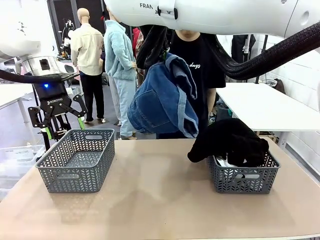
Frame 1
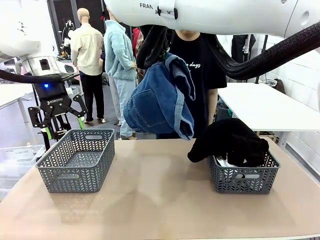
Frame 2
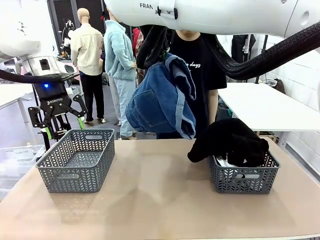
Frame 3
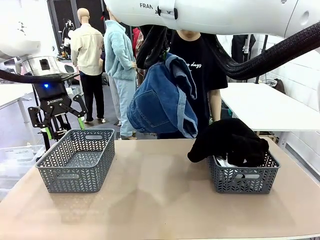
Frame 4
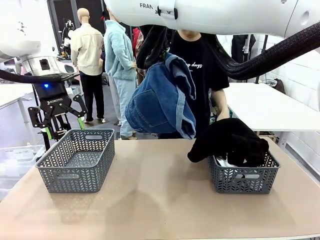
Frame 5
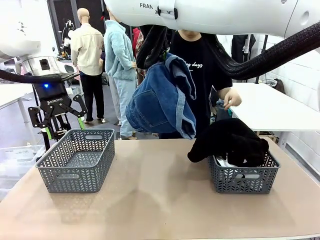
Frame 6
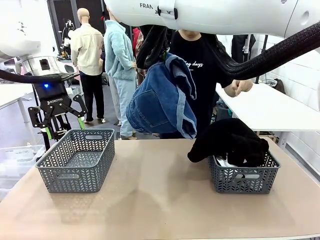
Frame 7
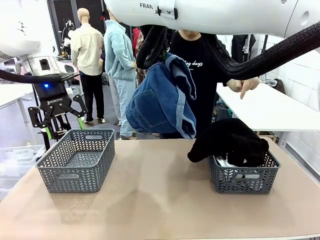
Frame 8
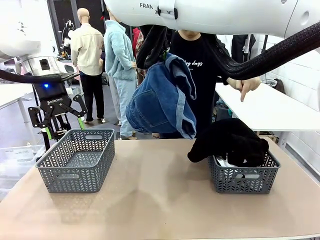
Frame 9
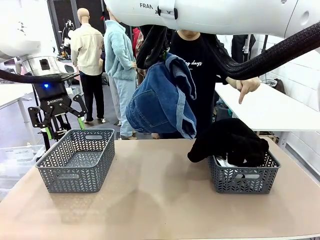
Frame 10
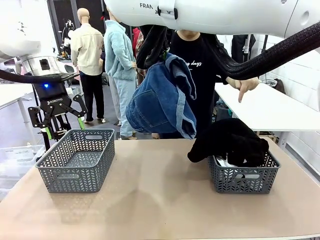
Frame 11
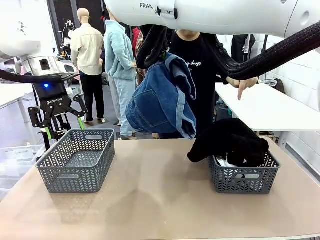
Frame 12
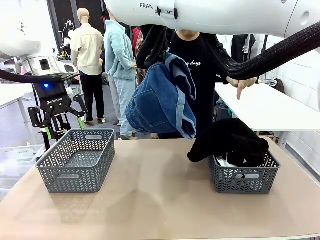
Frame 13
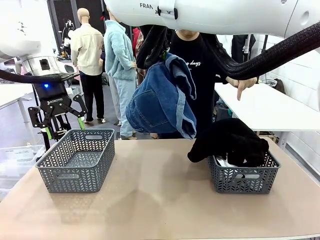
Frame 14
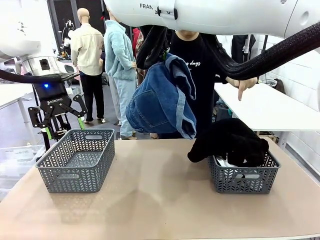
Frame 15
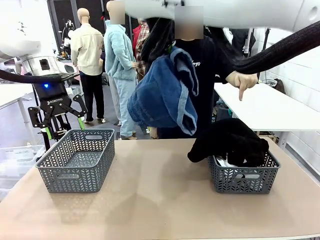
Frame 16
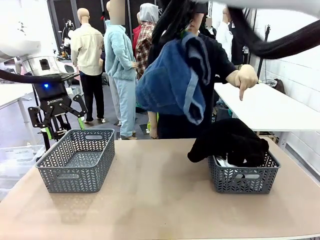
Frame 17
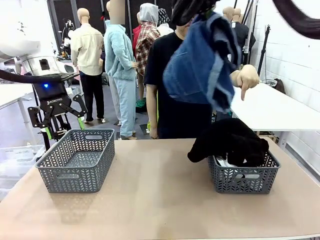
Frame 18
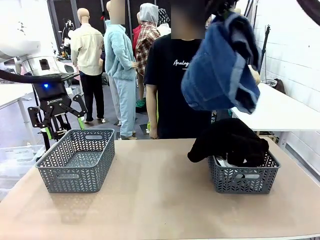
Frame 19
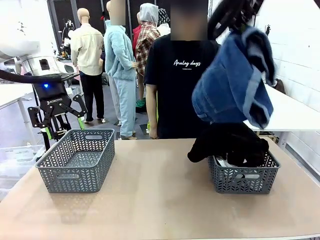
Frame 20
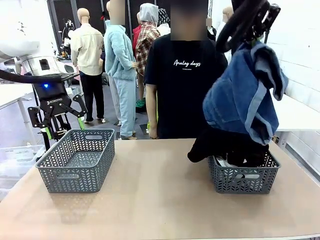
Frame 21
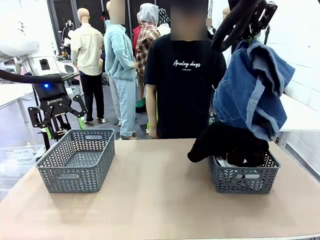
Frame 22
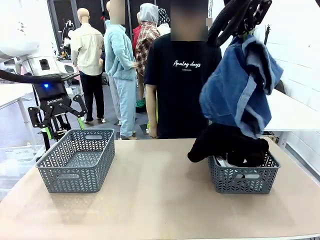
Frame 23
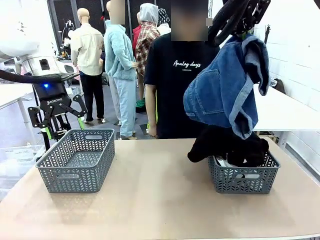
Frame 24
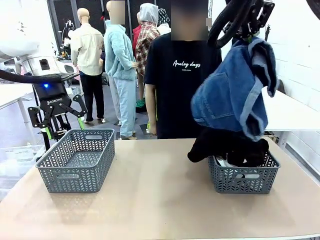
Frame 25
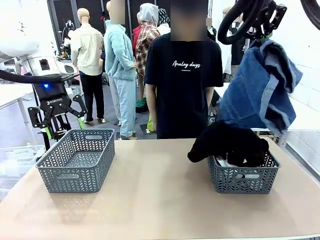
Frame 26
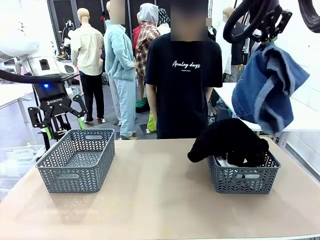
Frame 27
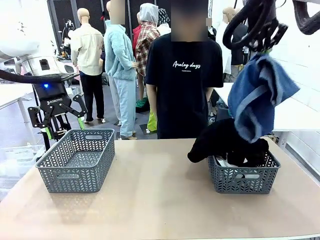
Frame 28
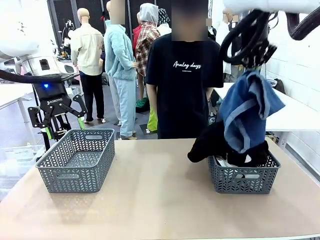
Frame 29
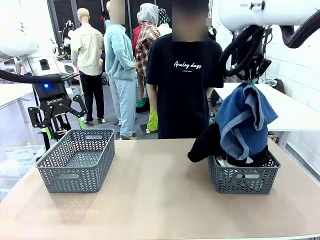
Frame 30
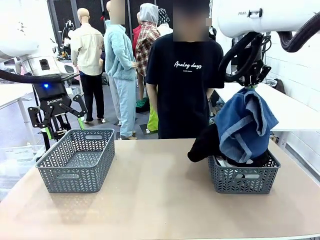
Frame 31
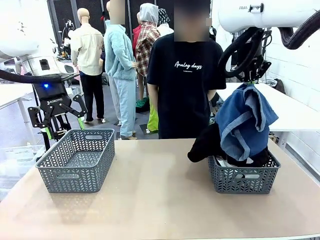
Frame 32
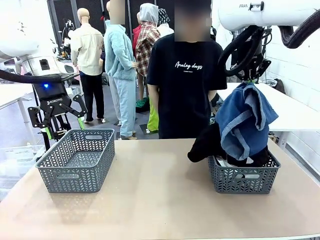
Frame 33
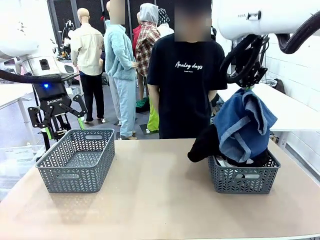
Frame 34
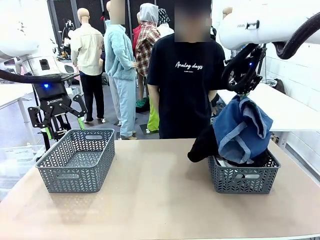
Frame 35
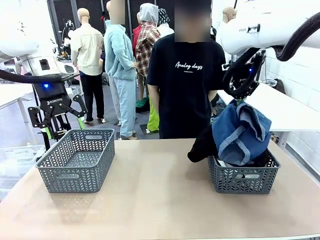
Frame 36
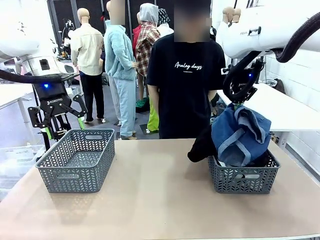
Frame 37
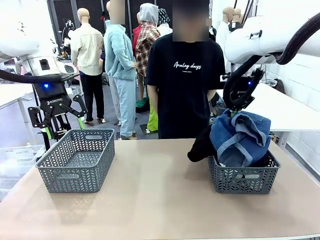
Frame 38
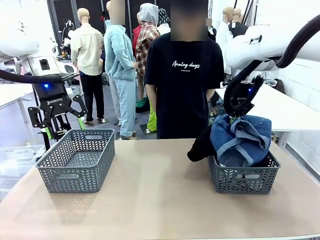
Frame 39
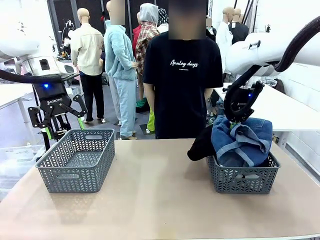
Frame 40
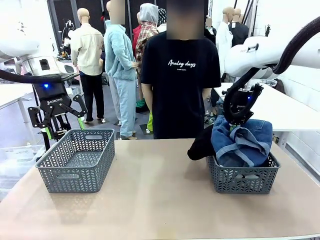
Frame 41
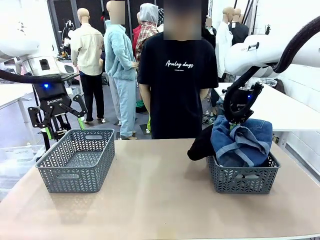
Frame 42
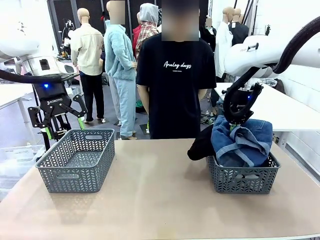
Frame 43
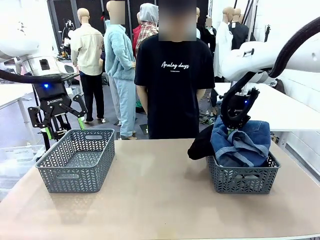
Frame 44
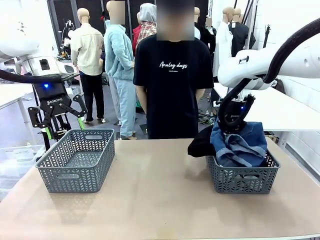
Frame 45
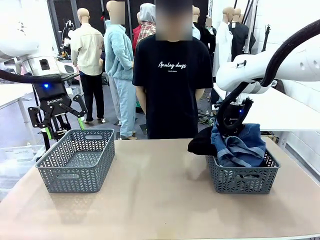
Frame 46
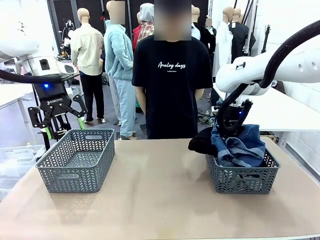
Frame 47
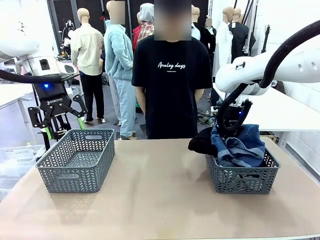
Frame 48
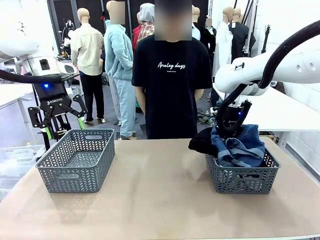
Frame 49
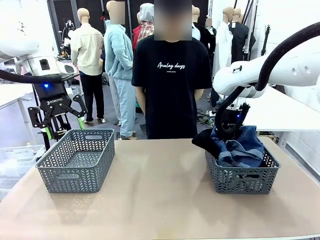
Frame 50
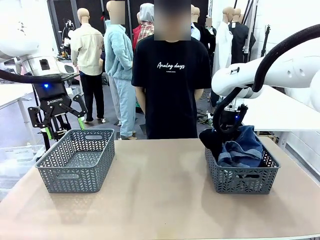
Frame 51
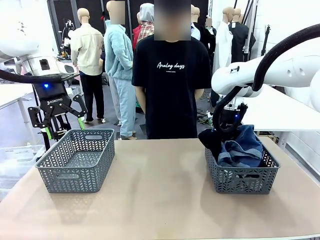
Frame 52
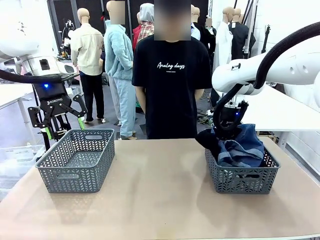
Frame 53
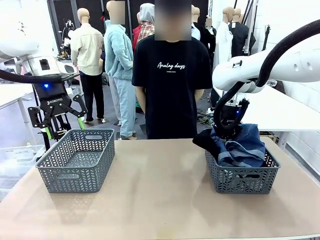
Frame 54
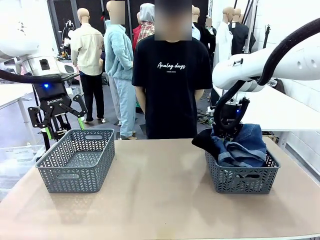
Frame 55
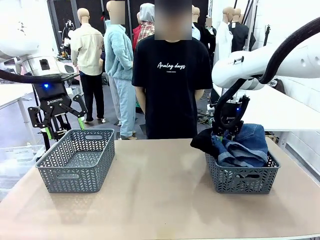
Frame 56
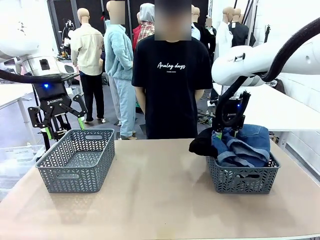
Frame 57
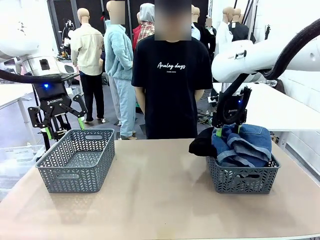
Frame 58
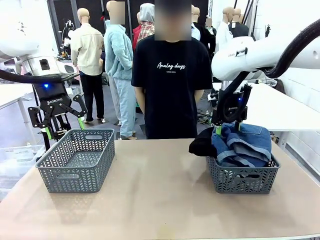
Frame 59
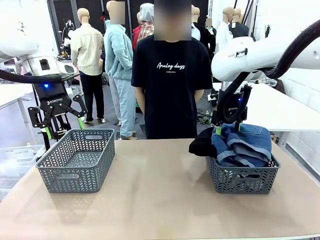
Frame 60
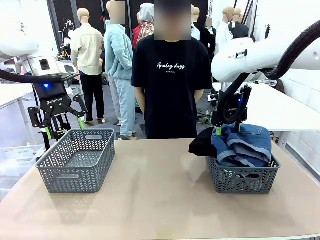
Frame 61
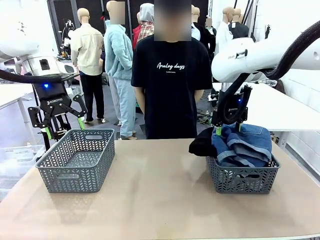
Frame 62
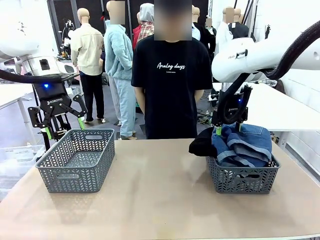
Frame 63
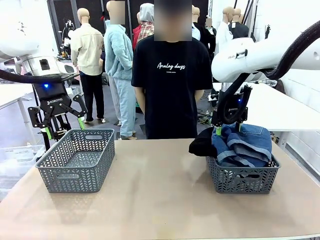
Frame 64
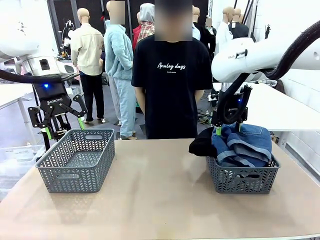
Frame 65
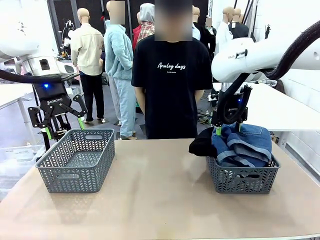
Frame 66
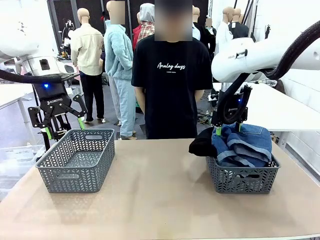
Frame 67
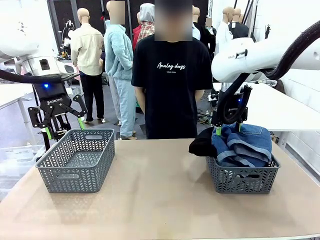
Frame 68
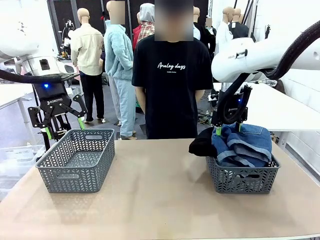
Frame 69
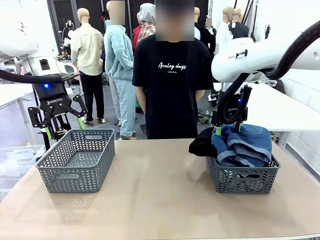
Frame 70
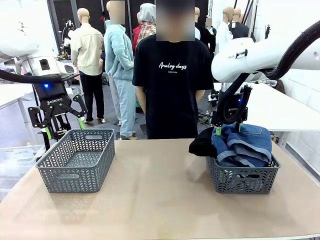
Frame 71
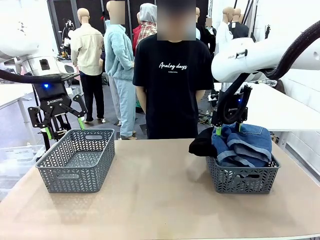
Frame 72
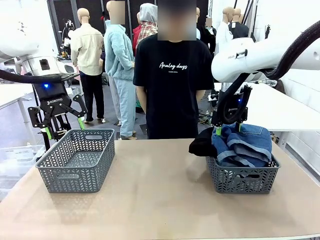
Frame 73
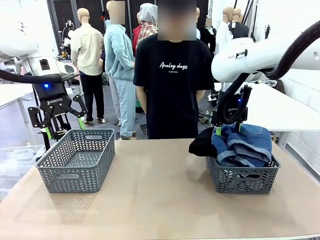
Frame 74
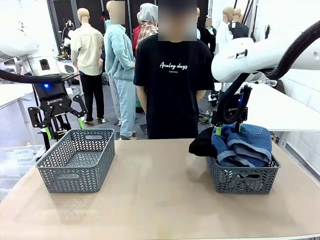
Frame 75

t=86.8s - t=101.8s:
Task: Sort the tops and bottoms.
Robot: Sort the clothes according to human instructions.

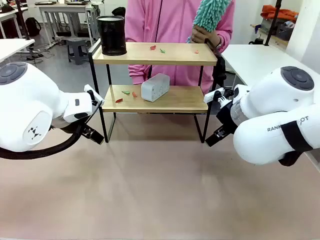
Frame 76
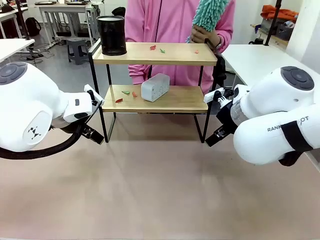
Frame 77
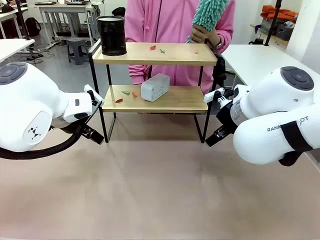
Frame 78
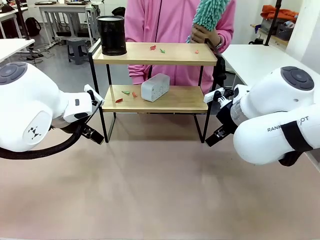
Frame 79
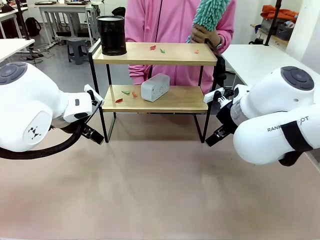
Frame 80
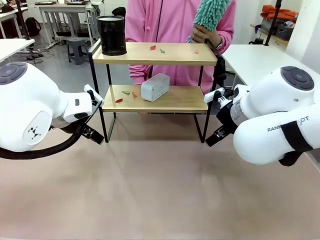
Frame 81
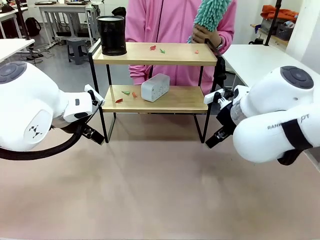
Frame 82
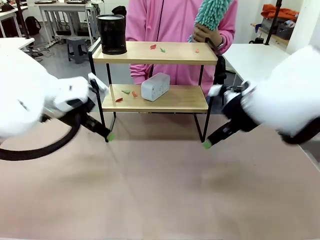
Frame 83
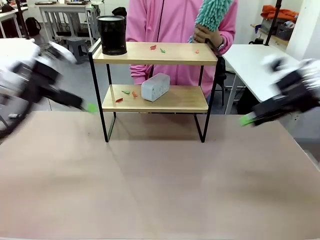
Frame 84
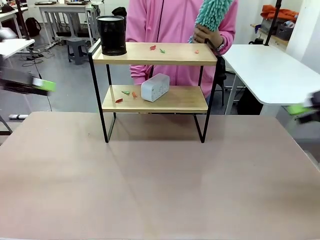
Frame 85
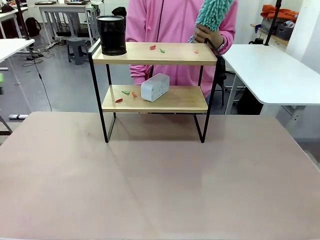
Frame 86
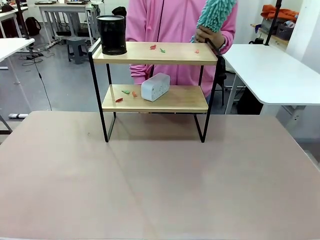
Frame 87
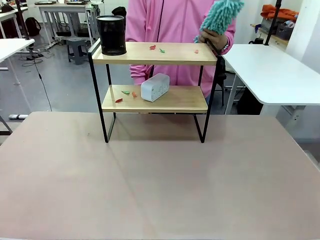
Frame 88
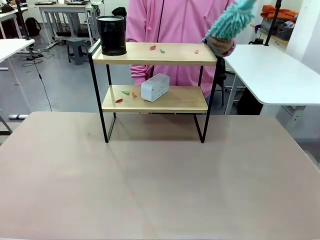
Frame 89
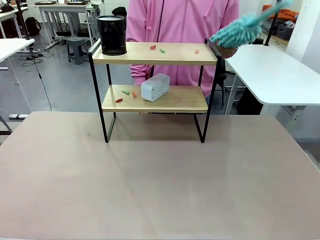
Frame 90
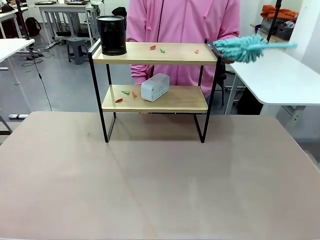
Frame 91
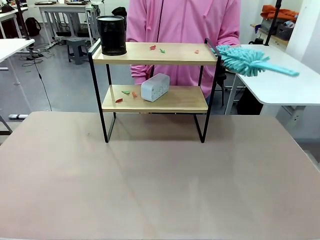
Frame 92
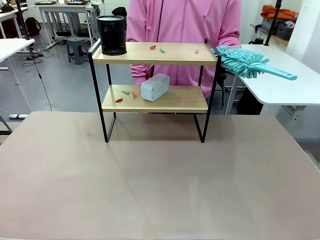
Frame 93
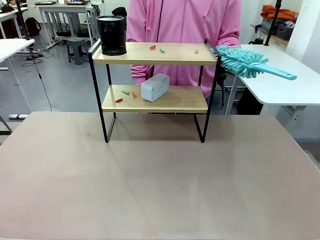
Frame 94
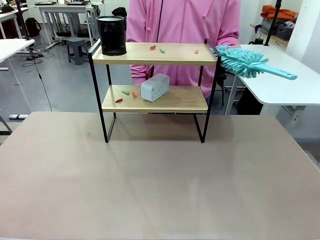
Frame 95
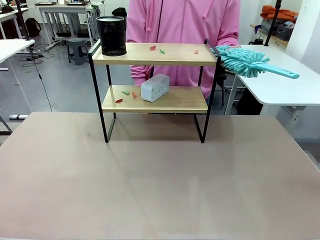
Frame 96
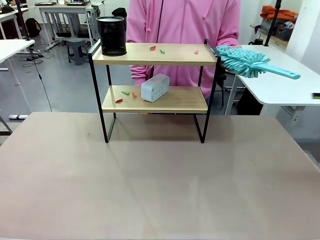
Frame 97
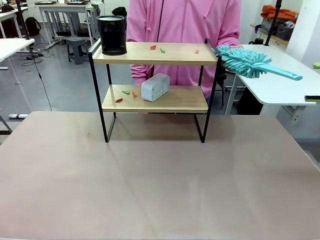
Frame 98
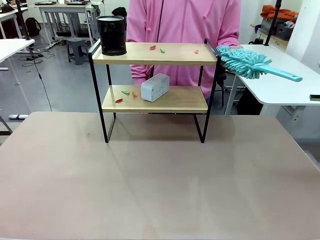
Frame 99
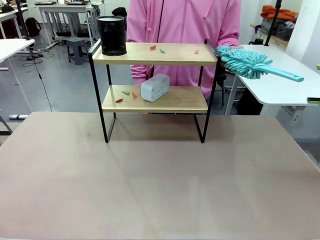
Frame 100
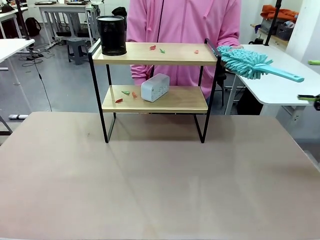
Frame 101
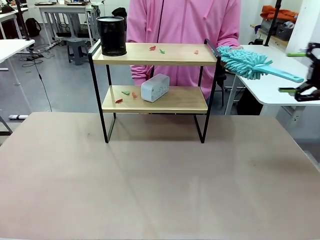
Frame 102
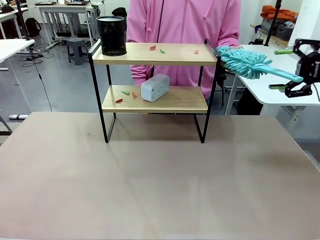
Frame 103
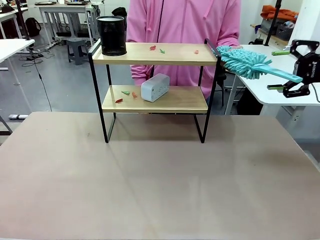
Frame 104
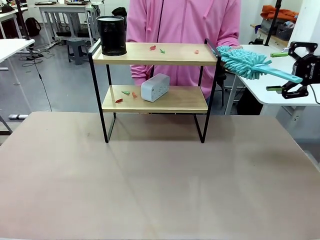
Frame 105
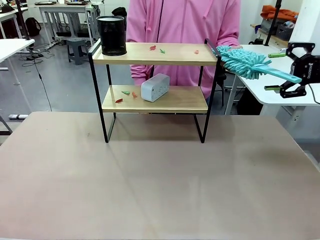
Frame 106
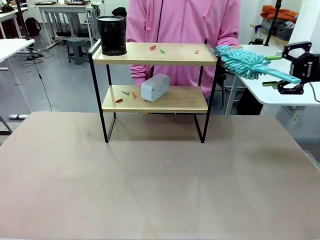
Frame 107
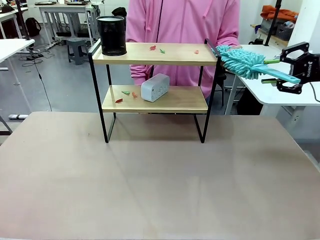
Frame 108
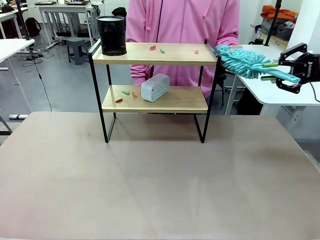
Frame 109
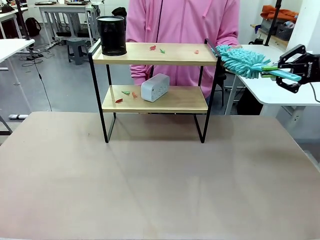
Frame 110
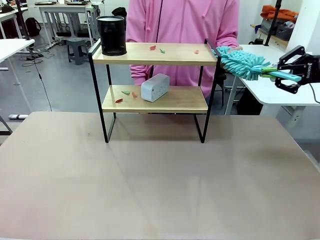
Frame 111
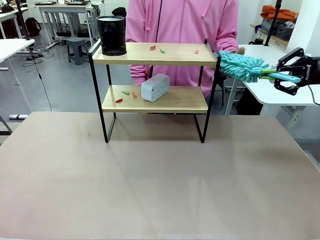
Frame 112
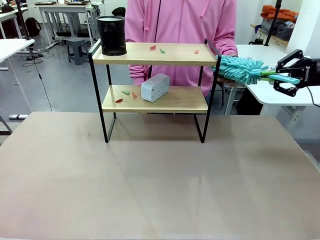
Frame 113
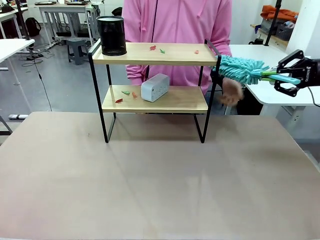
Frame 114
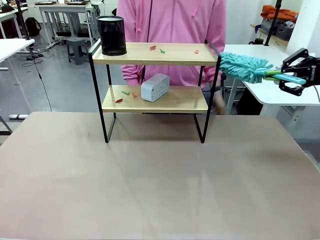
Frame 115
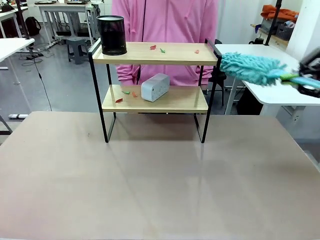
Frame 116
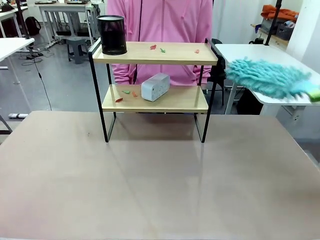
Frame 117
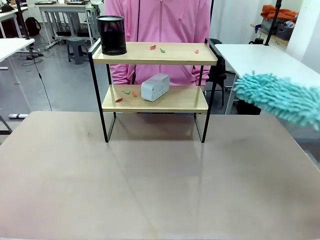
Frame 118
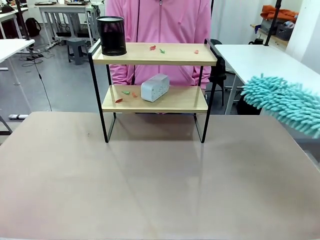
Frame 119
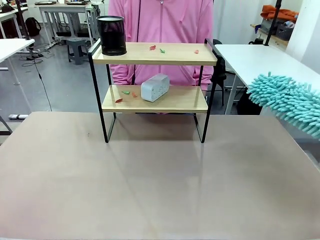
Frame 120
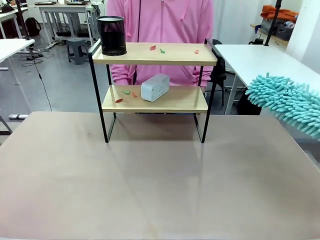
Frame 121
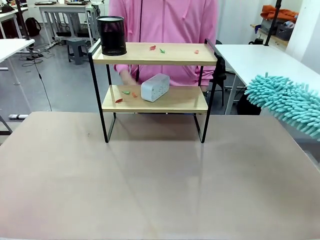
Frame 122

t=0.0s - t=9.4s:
Task: Clean the shelf.
Robot: Pick up the Duster from the human.
Person: Hand the Duster to the robot.
